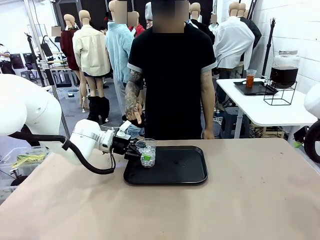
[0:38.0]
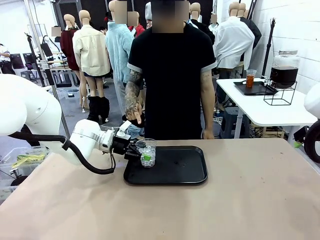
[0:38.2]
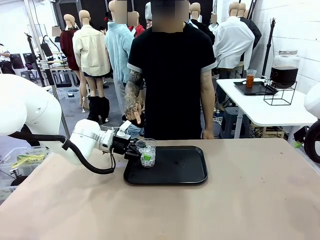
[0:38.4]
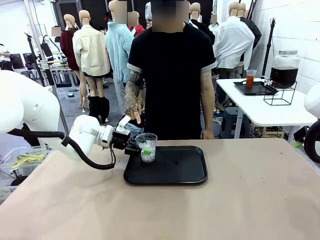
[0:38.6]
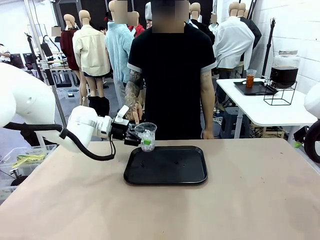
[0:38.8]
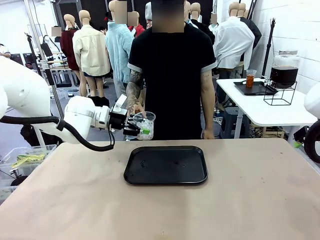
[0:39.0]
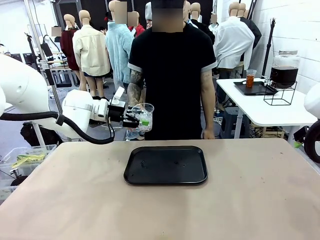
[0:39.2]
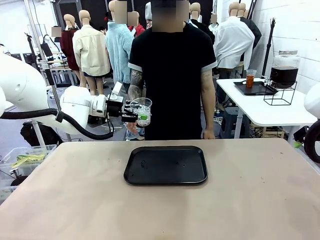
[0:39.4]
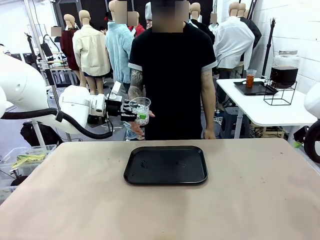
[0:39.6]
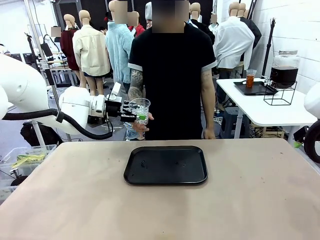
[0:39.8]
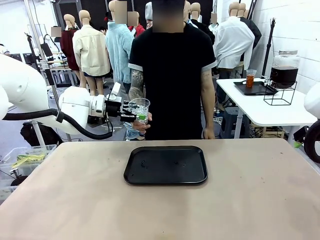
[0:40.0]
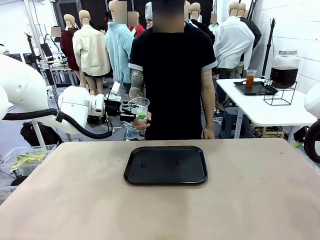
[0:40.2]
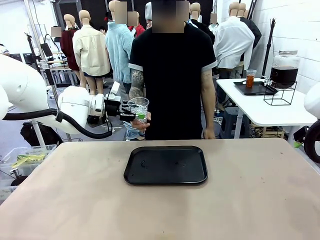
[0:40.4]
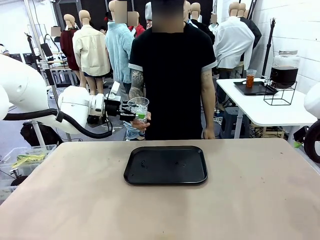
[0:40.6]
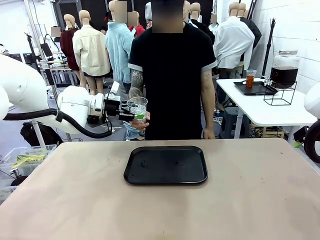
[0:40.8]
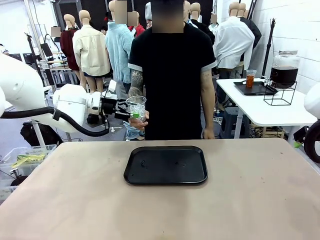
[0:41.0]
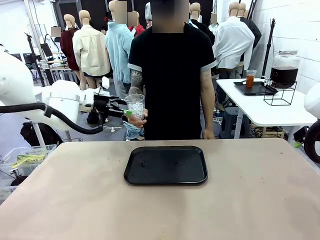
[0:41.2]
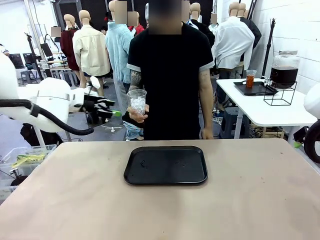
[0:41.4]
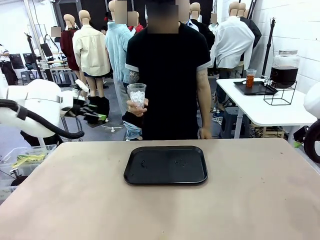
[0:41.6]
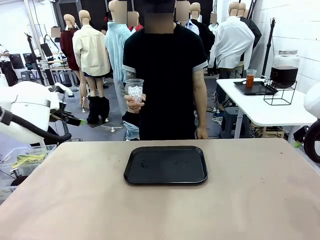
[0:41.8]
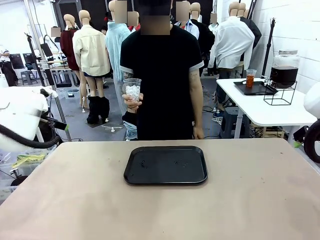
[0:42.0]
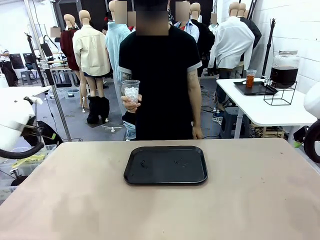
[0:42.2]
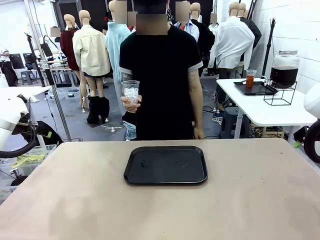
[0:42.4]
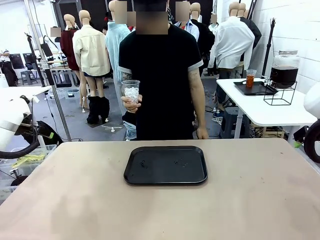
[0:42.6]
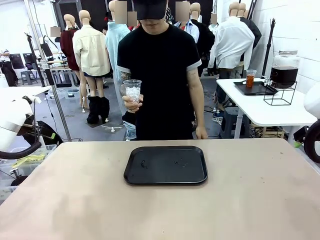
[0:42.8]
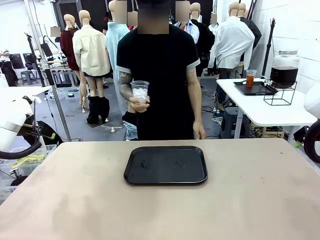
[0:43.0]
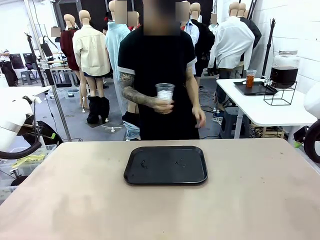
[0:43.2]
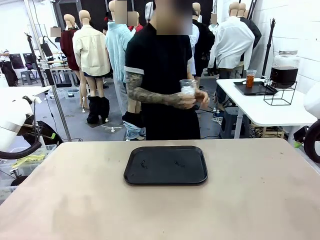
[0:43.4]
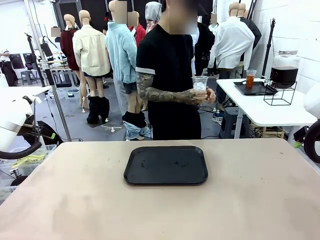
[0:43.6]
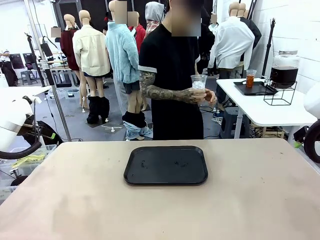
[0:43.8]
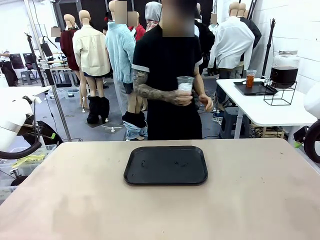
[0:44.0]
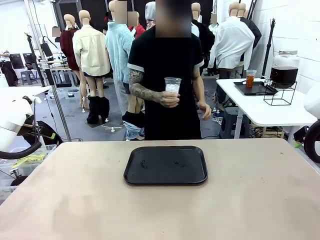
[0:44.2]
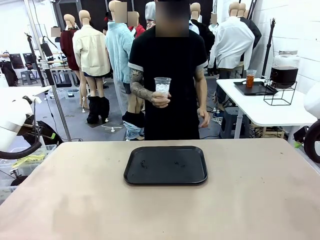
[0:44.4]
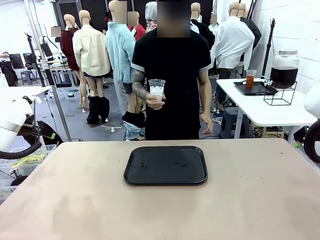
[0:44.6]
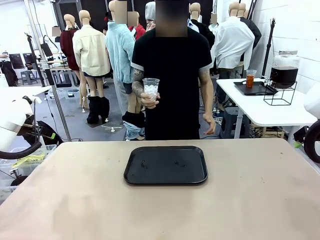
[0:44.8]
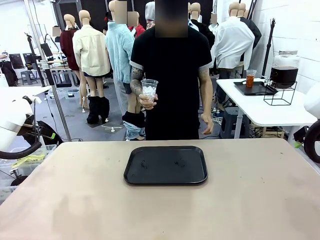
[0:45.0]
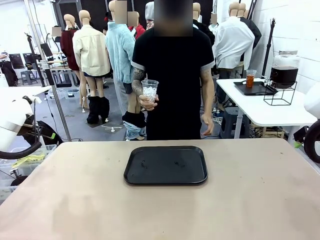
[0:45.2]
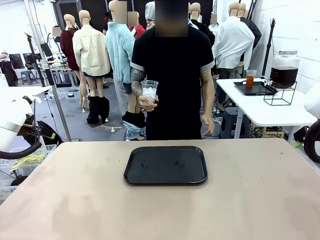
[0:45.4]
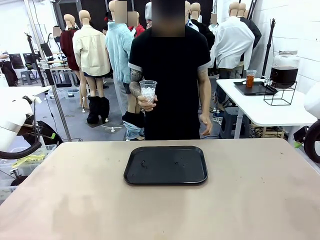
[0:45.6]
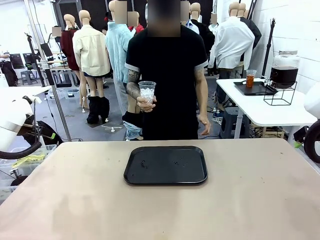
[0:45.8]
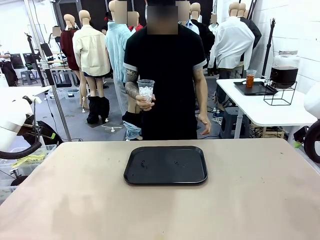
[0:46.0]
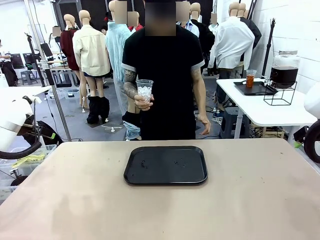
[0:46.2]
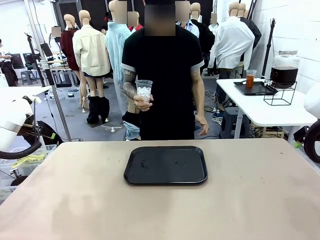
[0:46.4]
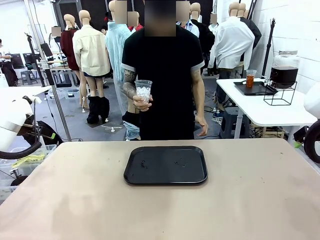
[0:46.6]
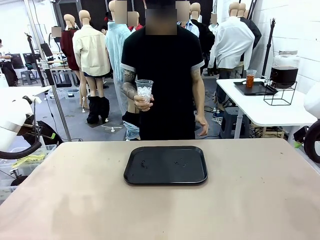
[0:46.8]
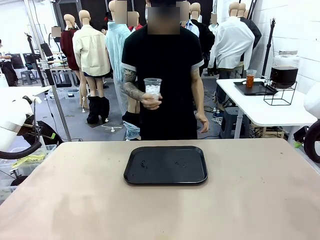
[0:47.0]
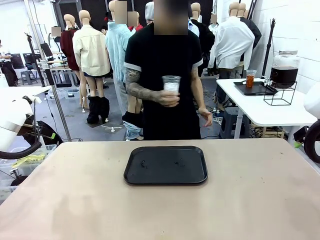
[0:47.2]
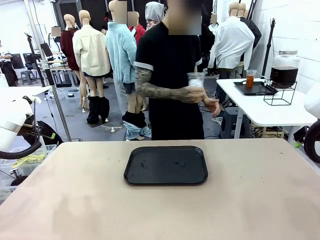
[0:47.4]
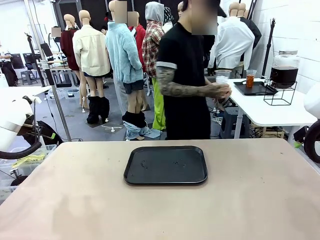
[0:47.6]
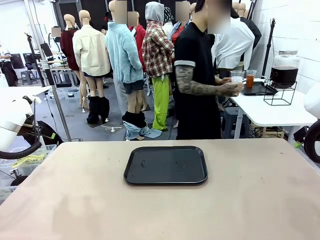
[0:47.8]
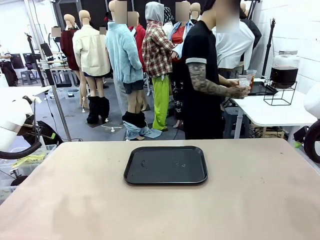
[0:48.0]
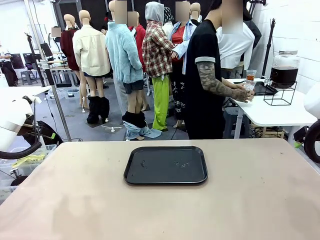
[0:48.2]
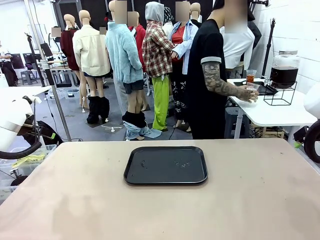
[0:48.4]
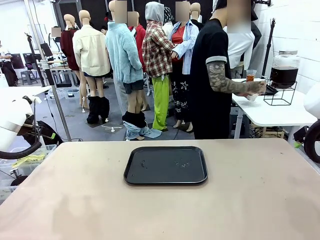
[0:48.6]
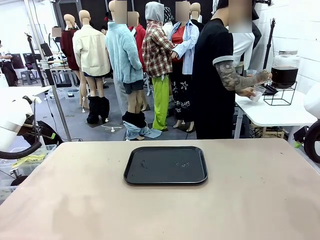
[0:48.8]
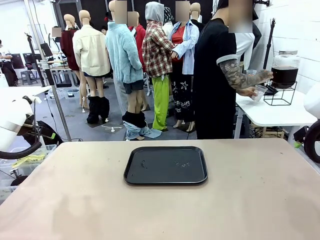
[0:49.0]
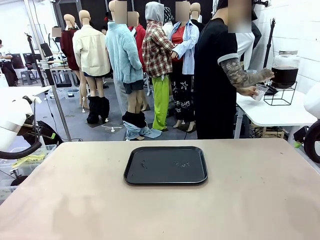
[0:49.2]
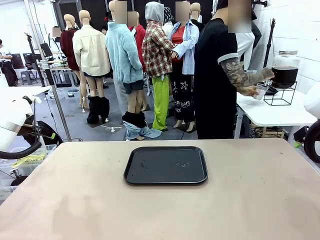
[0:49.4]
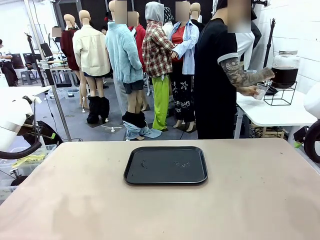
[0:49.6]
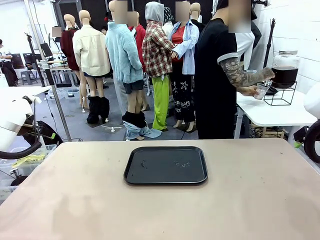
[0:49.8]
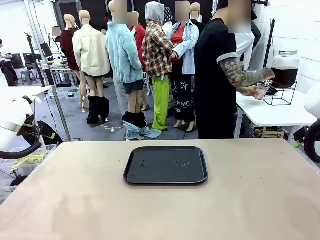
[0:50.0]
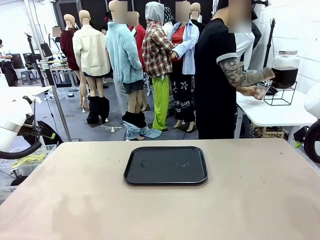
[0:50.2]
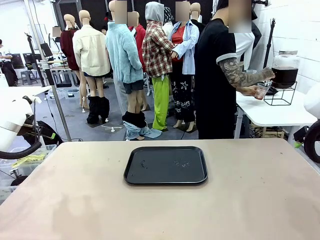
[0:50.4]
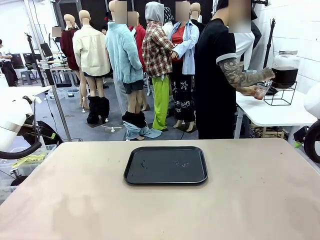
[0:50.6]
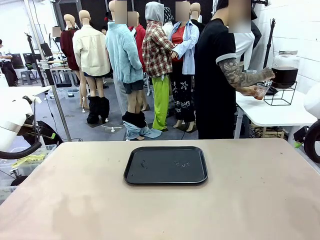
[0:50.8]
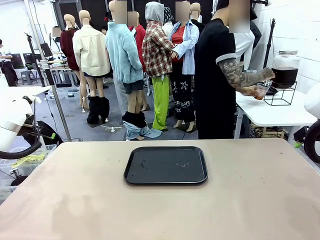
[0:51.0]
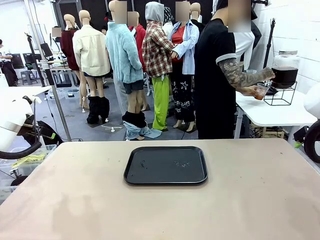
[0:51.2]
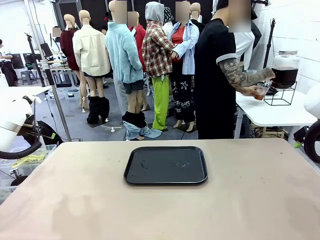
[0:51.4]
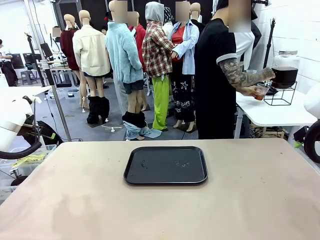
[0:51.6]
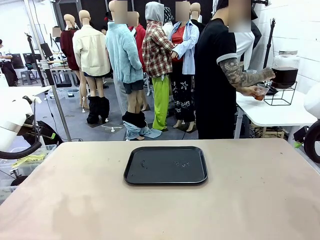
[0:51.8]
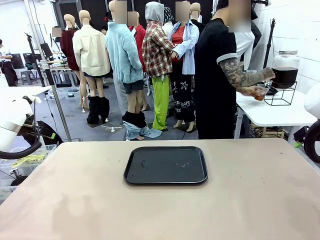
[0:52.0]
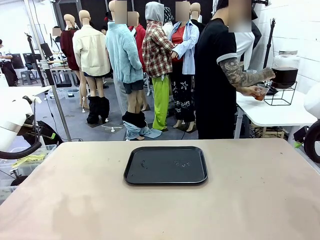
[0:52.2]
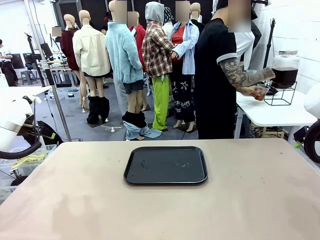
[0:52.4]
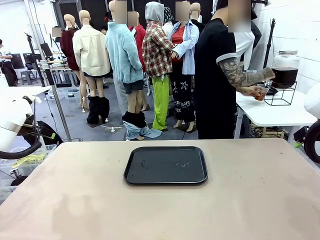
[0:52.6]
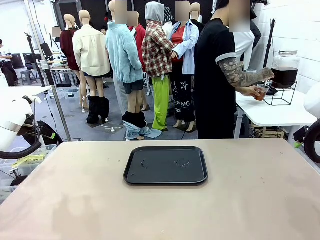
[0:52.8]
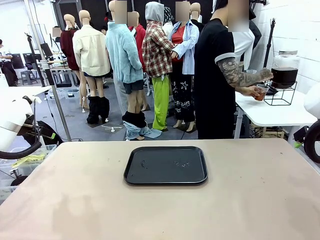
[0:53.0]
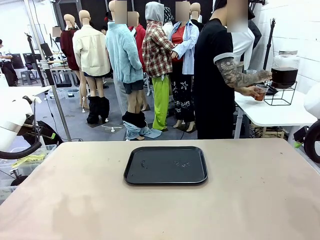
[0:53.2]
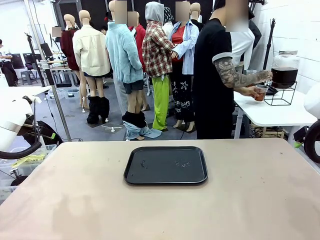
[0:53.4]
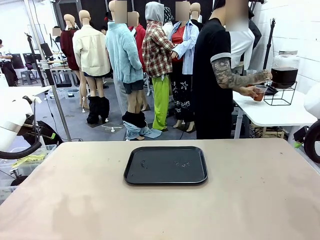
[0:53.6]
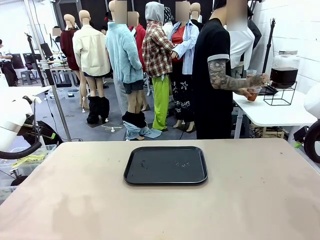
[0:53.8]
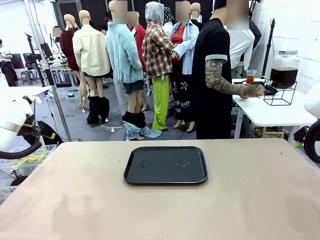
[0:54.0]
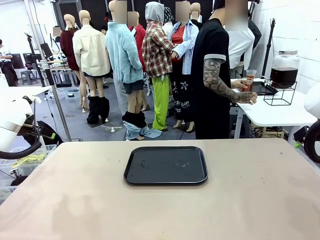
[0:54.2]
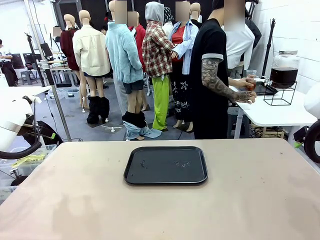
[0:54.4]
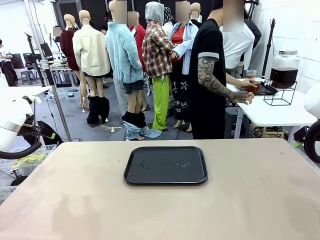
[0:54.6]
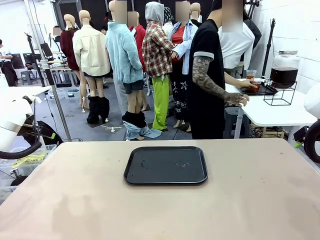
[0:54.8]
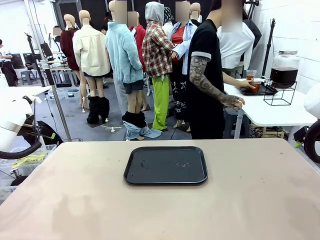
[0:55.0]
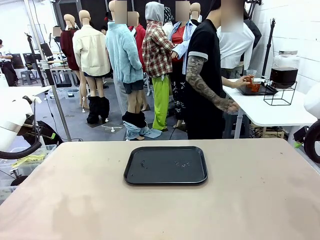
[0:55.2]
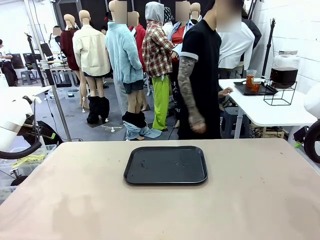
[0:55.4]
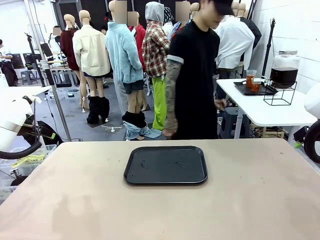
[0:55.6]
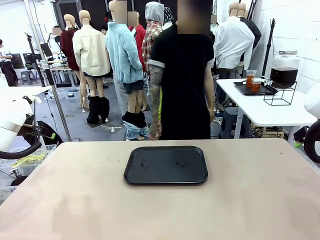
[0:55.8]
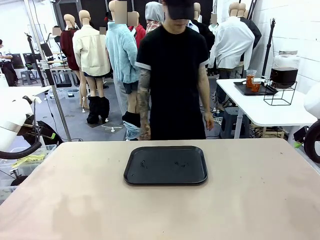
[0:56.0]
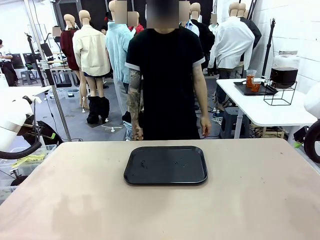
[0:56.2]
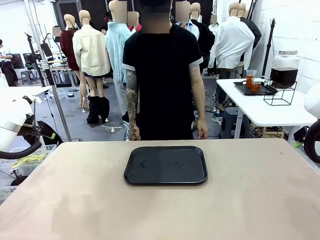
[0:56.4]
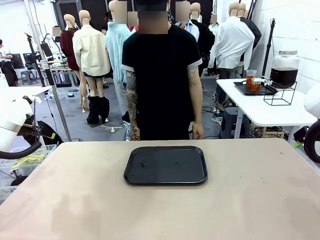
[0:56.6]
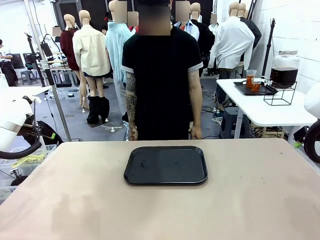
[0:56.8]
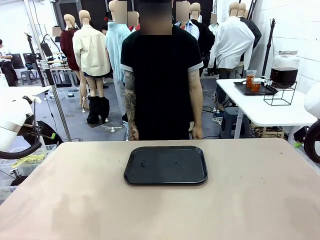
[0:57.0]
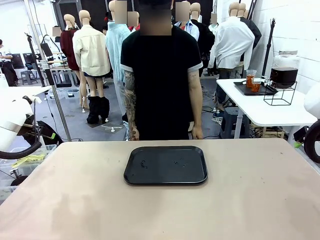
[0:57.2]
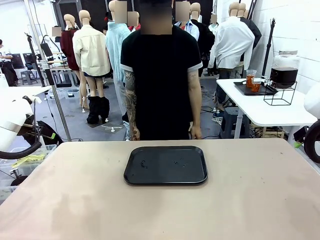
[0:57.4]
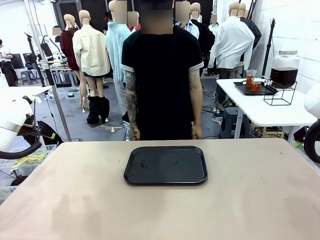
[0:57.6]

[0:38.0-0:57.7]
Task: Pour the drink into the iced cup.
Robot: Open the gripper to release the iced cup you were holding.
Person: Move the picked-up cup under the dispenser faucet, pour the drink, and place it on the tray on the human table.
